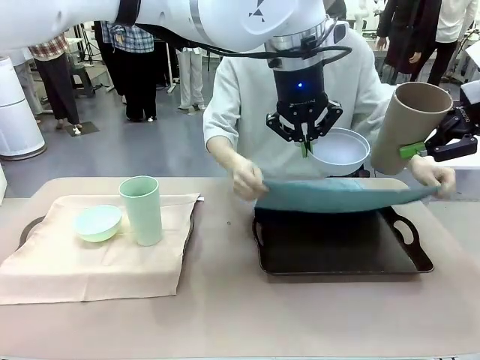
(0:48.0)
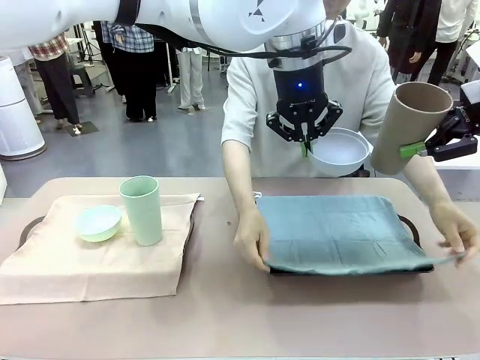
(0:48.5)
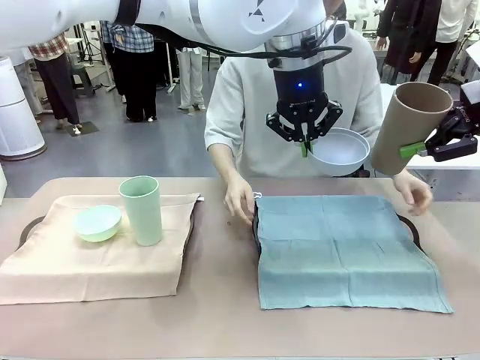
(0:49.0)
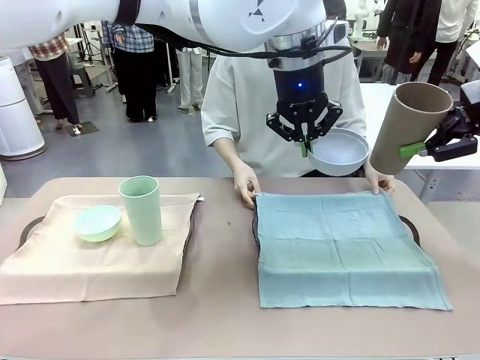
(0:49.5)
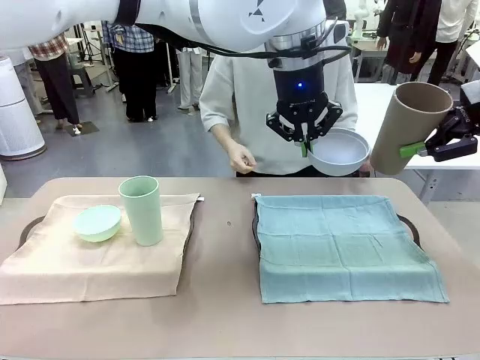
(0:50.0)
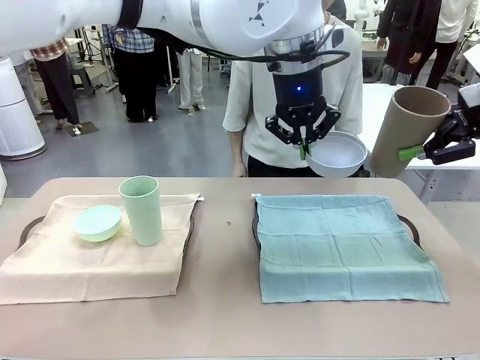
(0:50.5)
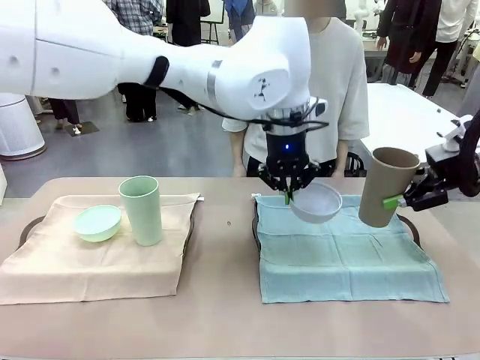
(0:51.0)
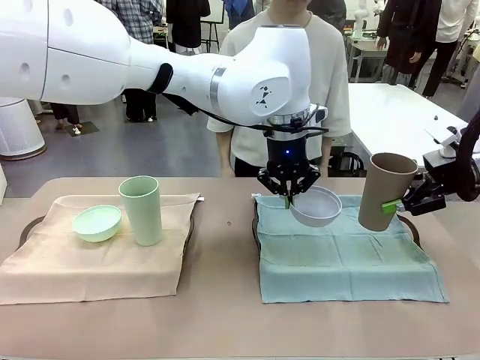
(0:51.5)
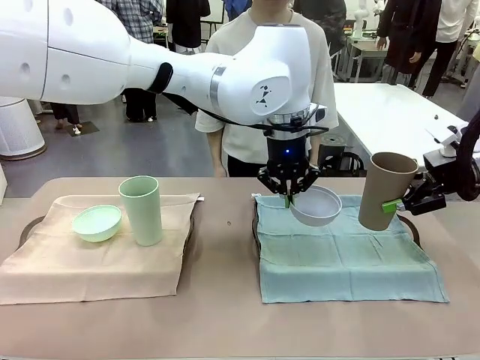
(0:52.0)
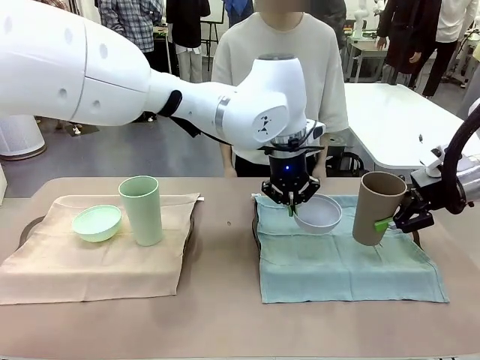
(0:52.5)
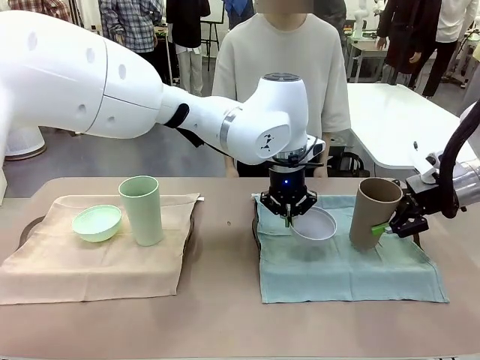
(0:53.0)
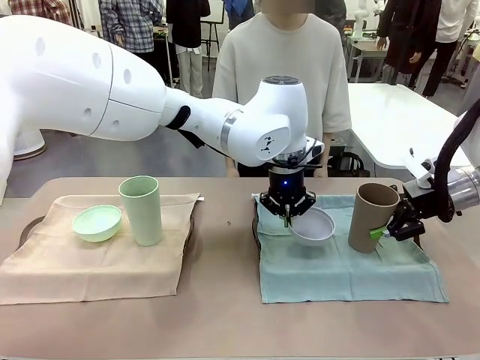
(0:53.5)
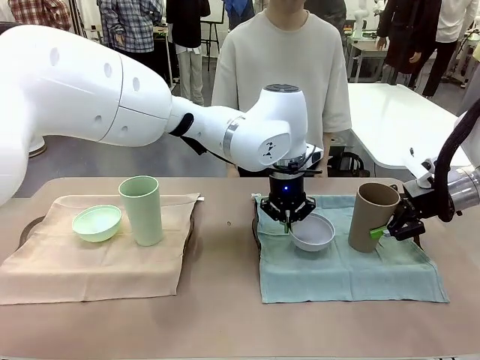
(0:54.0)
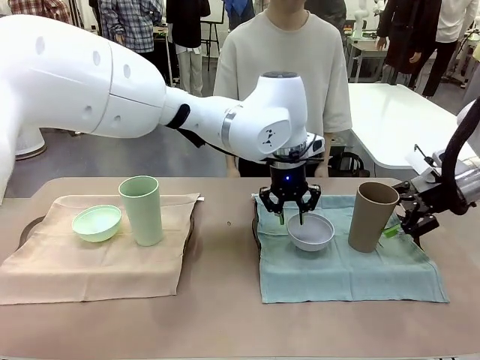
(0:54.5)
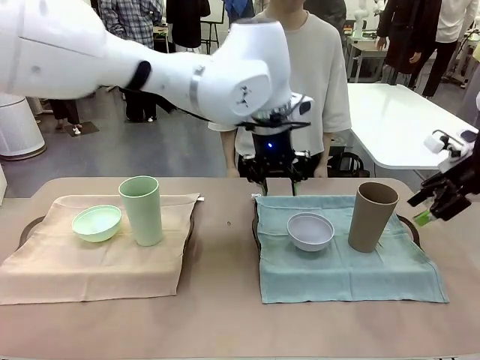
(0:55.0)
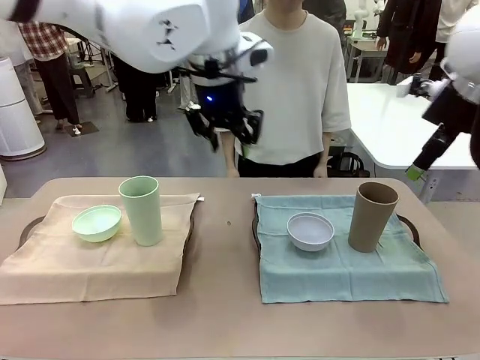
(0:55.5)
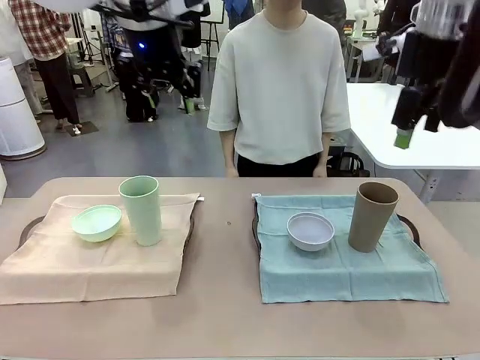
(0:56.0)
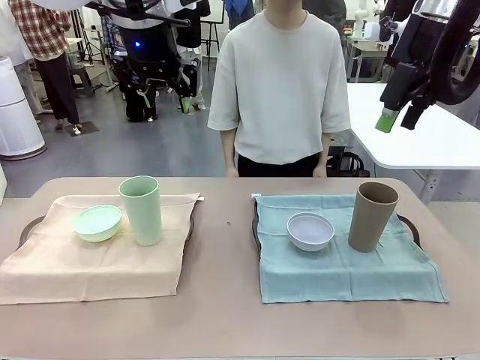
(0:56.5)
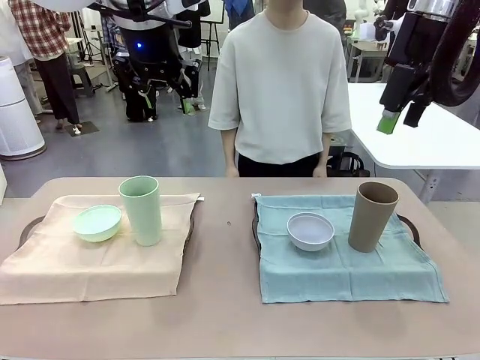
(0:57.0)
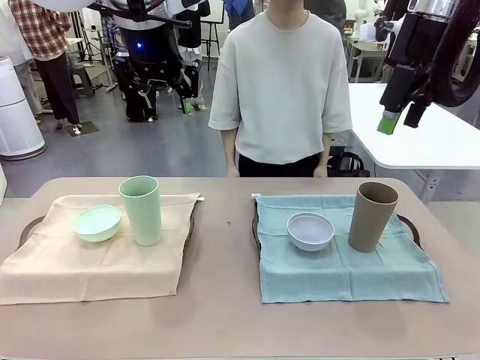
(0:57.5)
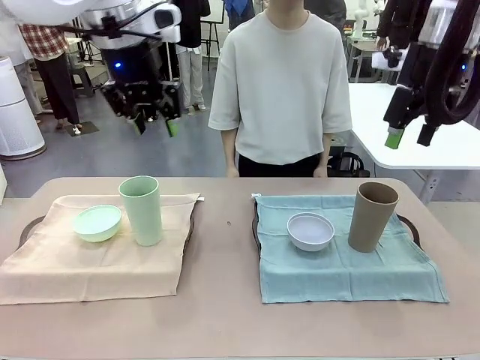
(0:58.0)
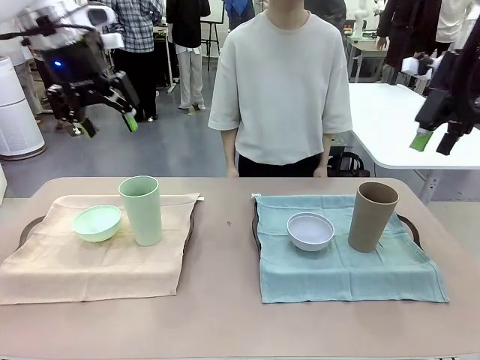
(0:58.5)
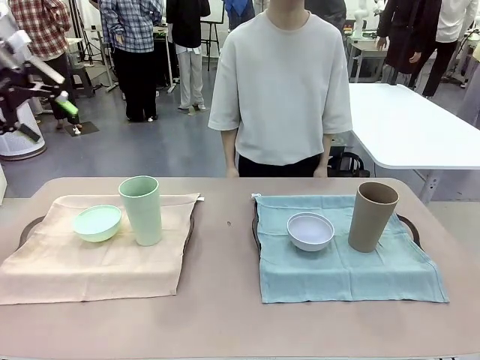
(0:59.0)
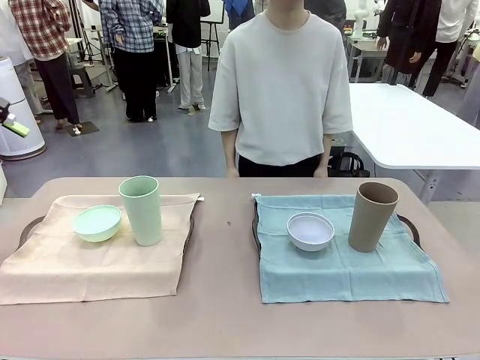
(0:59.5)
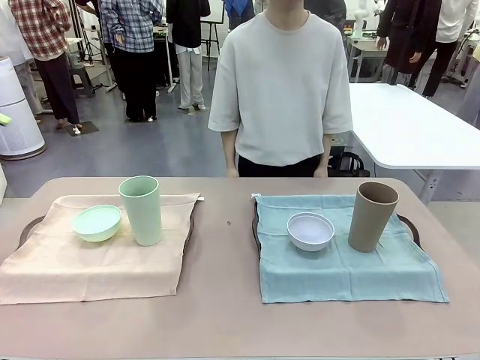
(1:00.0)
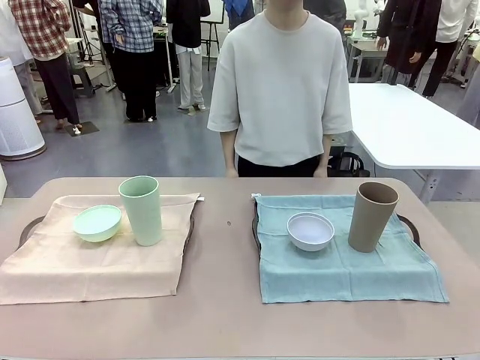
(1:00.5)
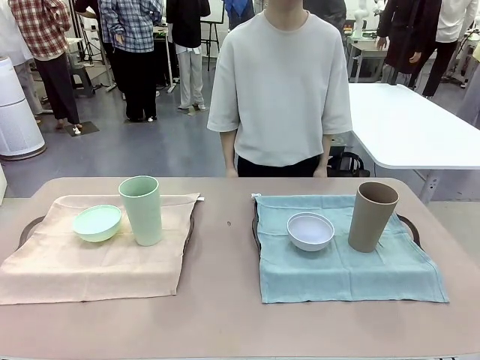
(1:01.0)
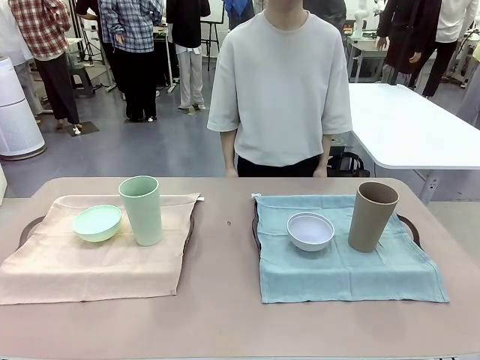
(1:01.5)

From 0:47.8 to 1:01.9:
Robot: Place the Picnic Bowl and Reusable plastic cup back onto the Handle tray in front of the human's position.
Person: When the robot lifts the bowl and the cup, the human unfolds the napkin and lays the napkin flat on the tray.

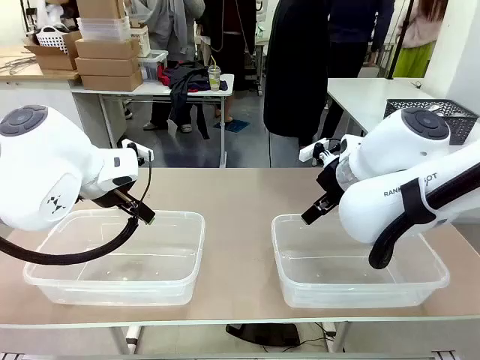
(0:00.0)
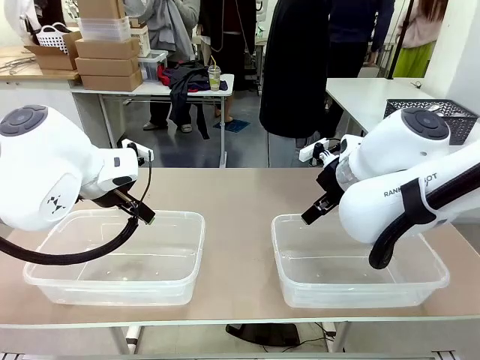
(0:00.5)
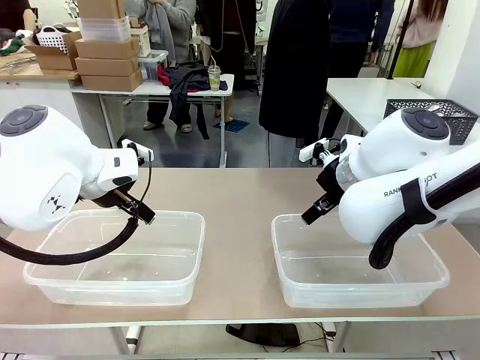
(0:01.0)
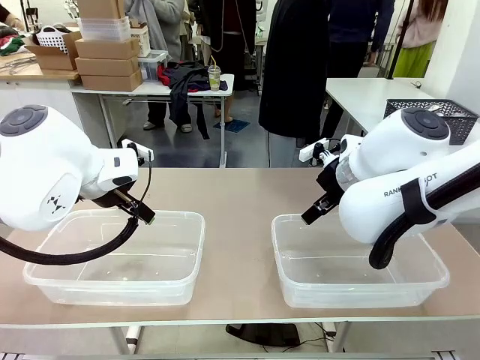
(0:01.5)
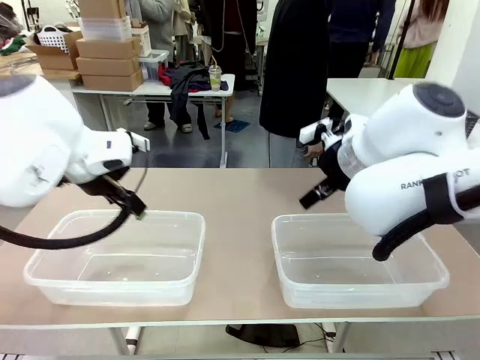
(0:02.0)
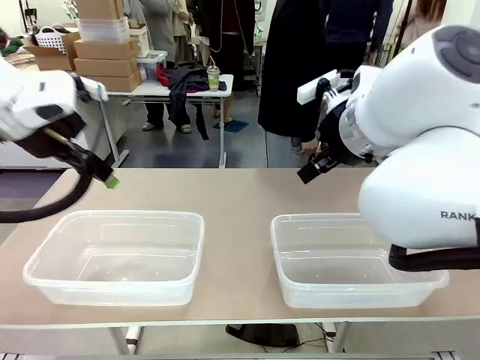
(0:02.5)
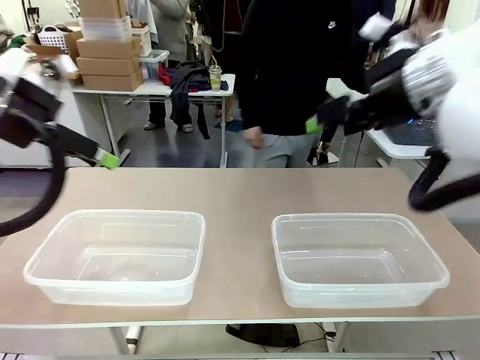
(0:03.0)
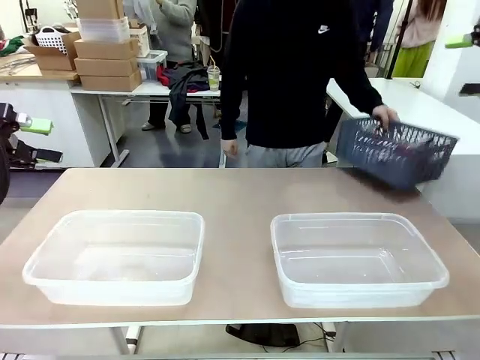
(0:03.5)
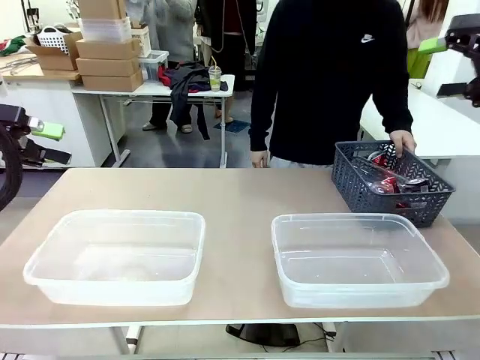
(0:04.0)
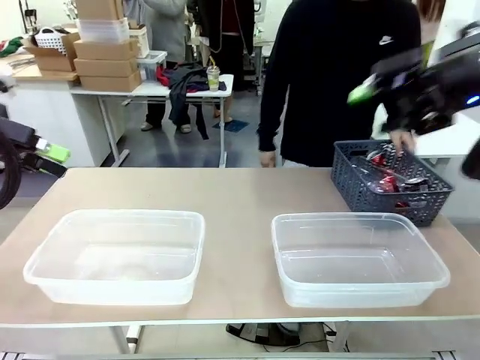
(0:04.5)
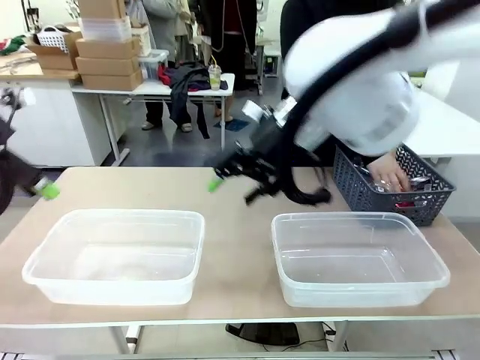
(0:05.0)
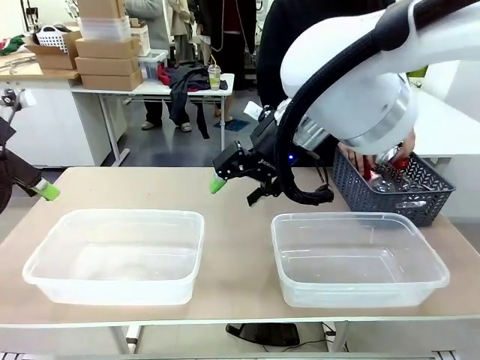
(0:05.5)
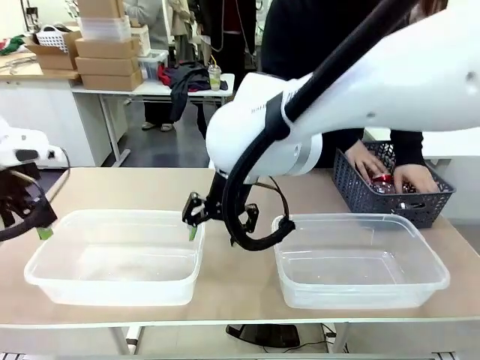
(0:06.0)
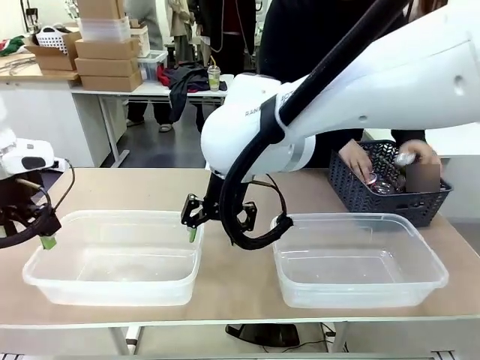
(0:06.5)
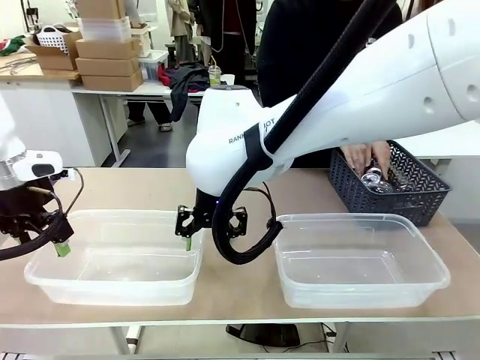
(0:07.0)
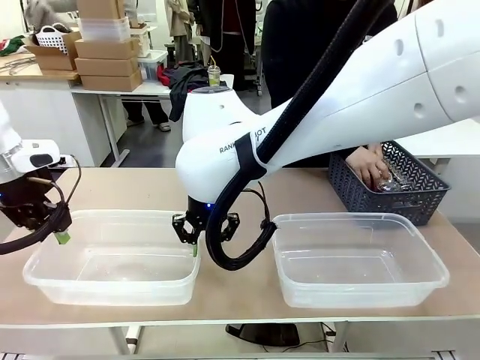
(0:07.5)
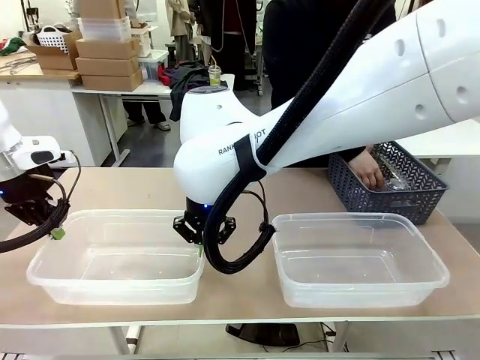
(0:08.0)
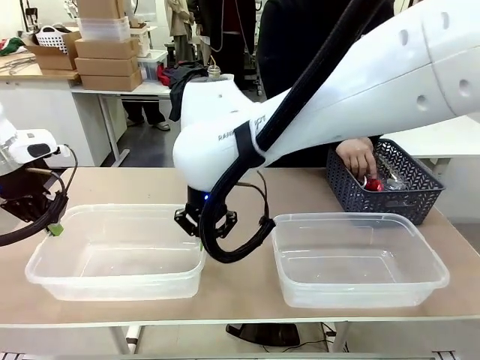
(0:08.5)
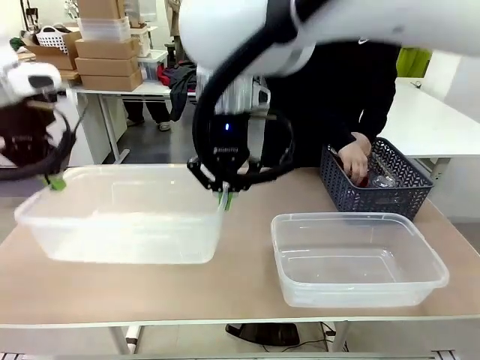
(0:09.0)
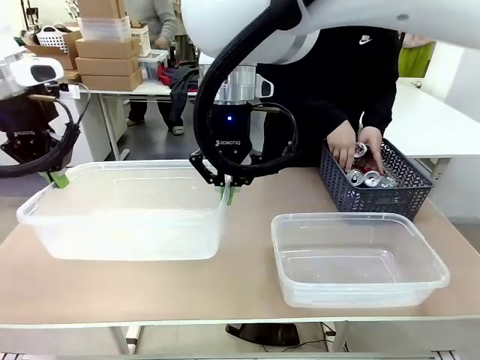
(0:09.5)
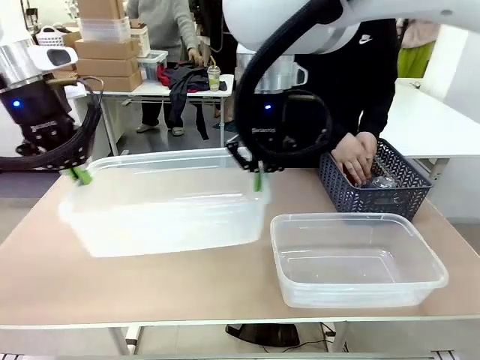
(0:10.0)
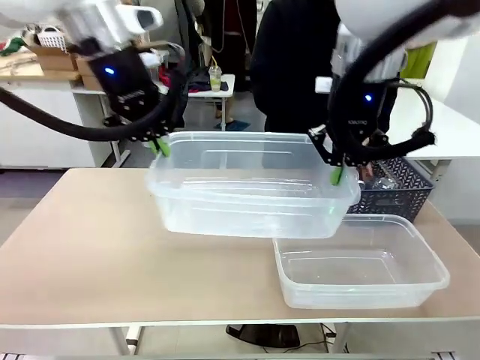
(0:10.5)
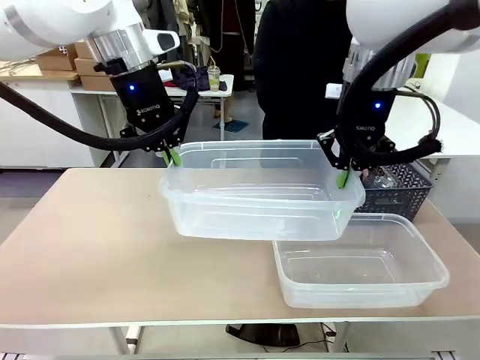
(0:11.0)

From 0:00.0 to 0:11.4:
Robot: Pick up the Organizing box on the left side of the table and lift it.
Person: Pick up the storage basket and place it on the left side of the robot table. Pick up can-shaped waste one by one and place it into the organizing box lifted by the robot.
